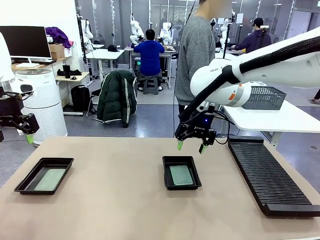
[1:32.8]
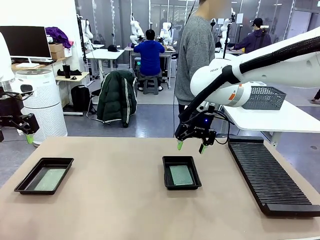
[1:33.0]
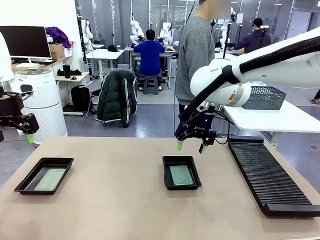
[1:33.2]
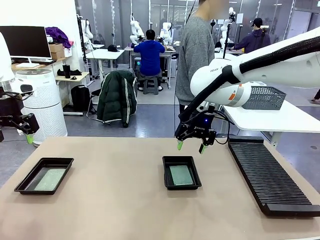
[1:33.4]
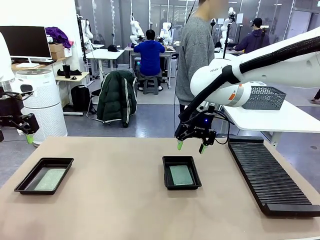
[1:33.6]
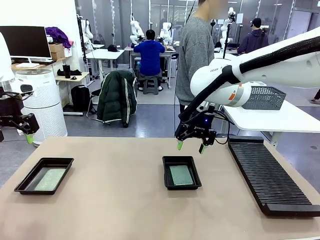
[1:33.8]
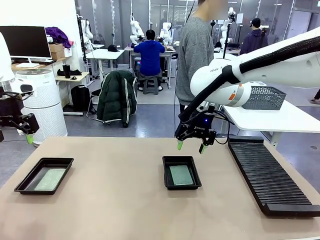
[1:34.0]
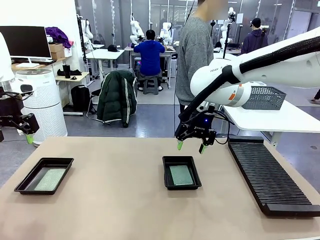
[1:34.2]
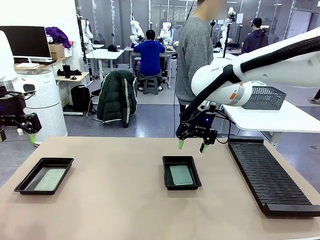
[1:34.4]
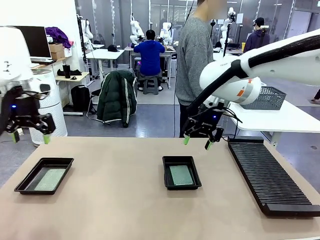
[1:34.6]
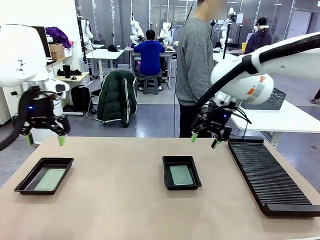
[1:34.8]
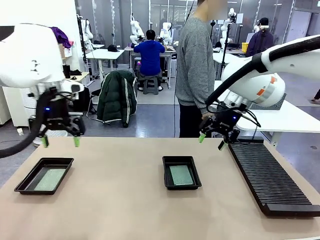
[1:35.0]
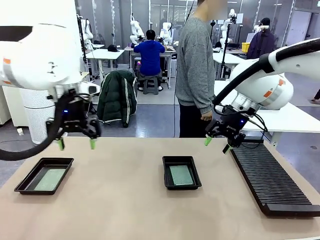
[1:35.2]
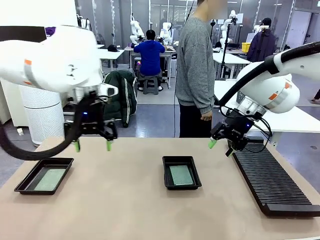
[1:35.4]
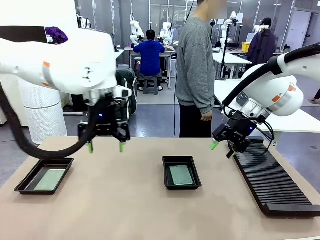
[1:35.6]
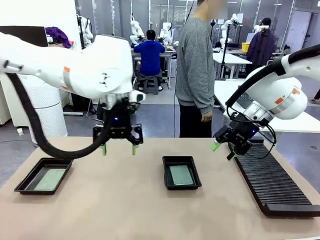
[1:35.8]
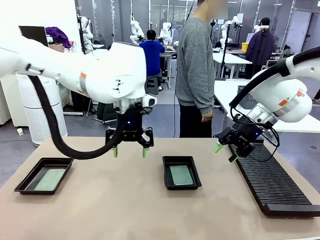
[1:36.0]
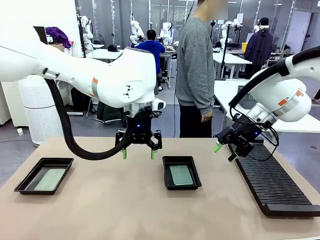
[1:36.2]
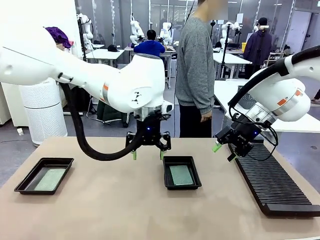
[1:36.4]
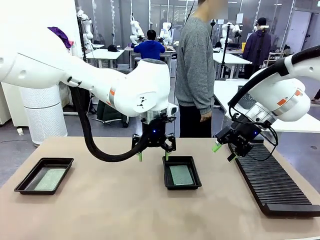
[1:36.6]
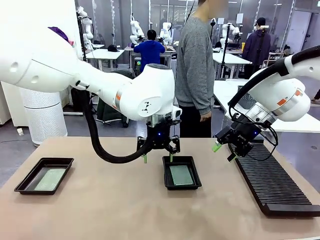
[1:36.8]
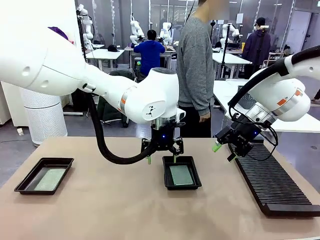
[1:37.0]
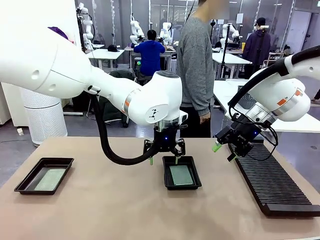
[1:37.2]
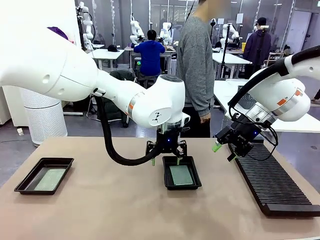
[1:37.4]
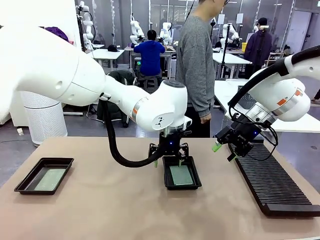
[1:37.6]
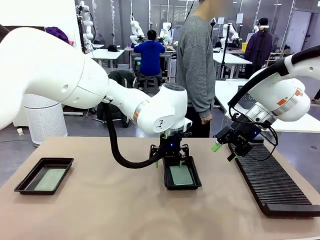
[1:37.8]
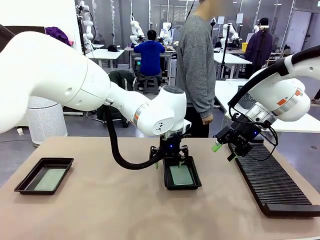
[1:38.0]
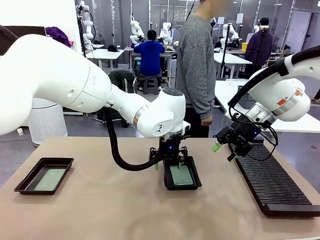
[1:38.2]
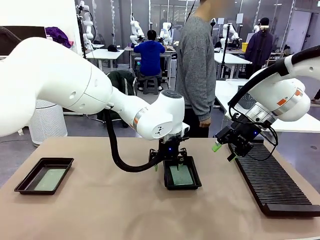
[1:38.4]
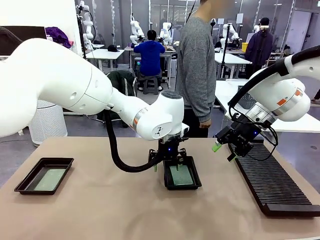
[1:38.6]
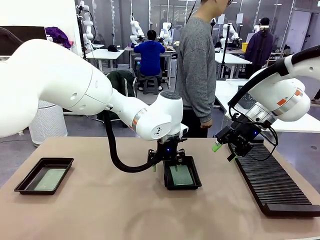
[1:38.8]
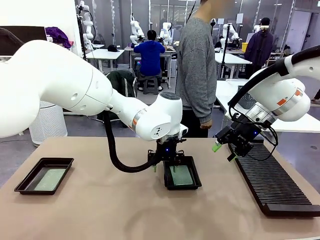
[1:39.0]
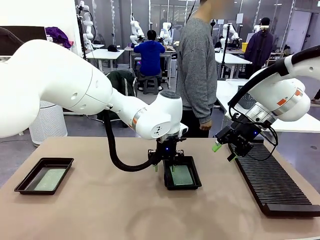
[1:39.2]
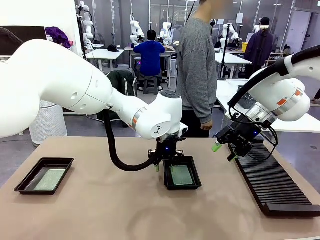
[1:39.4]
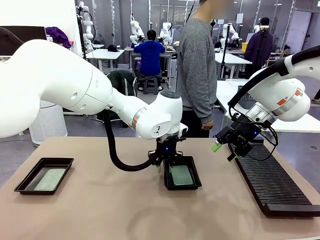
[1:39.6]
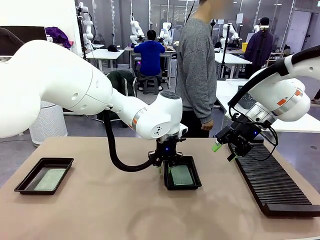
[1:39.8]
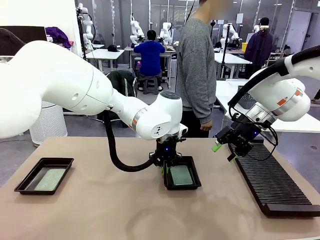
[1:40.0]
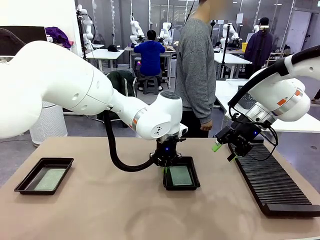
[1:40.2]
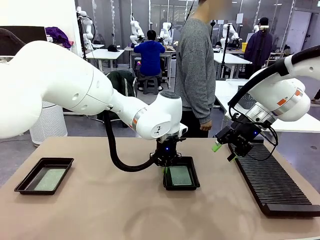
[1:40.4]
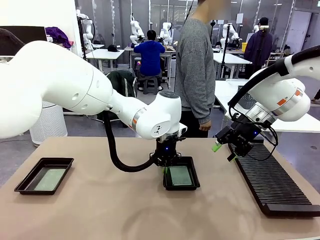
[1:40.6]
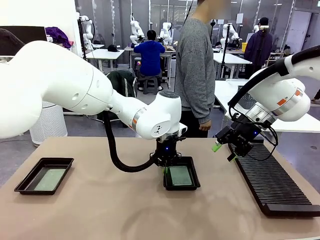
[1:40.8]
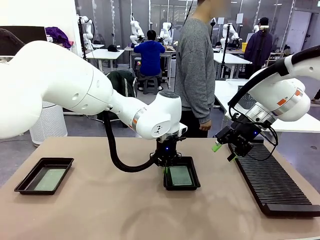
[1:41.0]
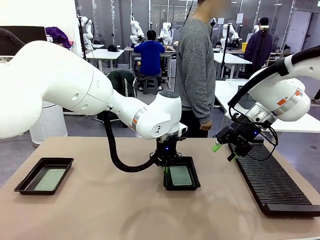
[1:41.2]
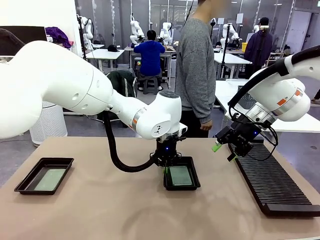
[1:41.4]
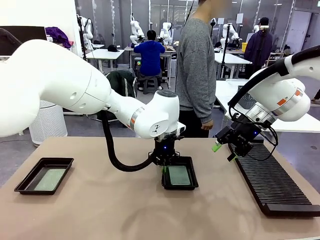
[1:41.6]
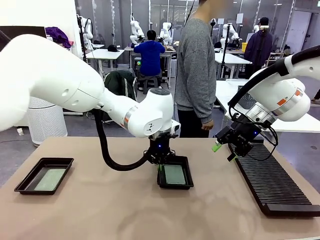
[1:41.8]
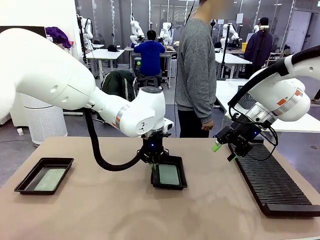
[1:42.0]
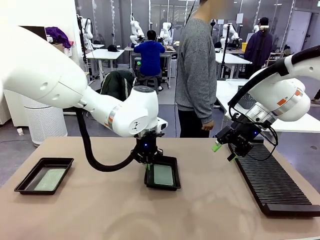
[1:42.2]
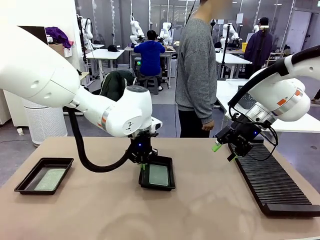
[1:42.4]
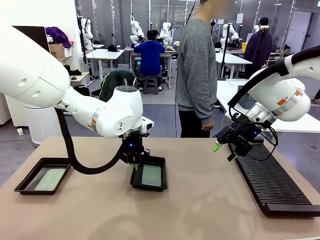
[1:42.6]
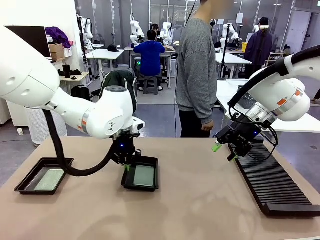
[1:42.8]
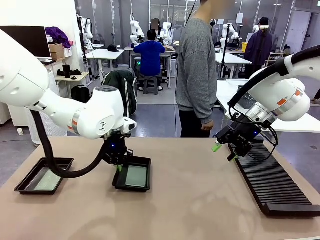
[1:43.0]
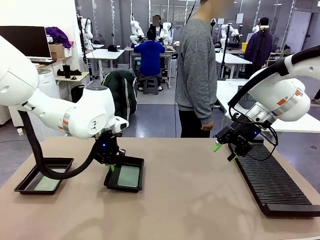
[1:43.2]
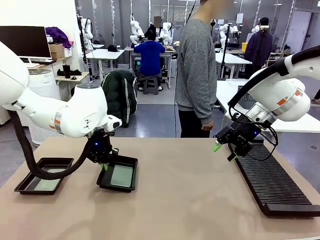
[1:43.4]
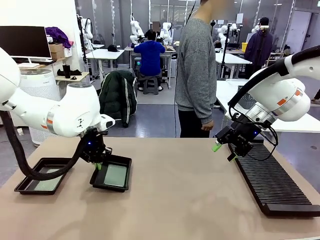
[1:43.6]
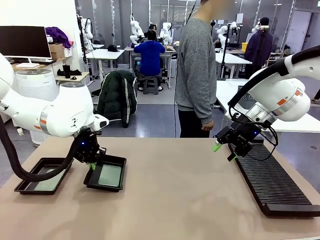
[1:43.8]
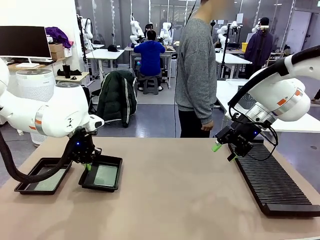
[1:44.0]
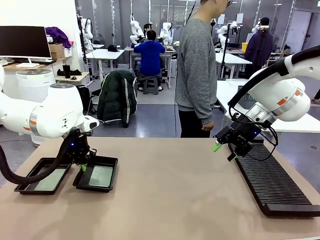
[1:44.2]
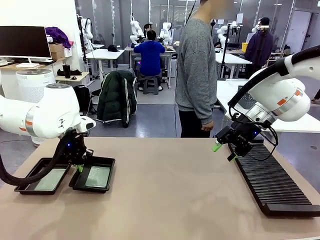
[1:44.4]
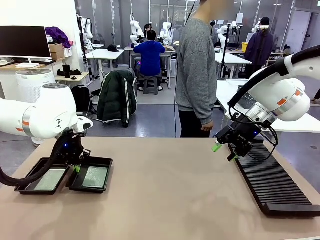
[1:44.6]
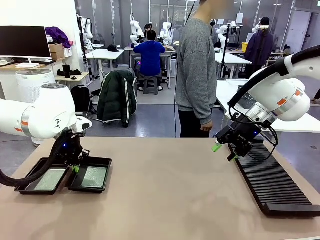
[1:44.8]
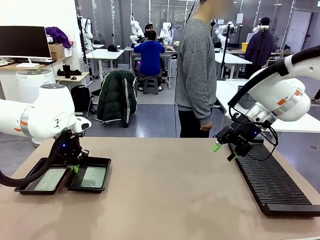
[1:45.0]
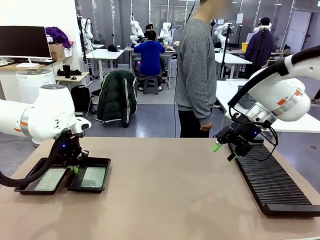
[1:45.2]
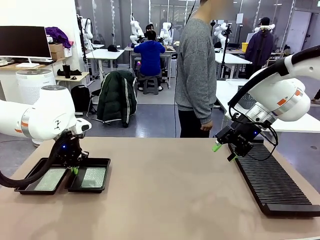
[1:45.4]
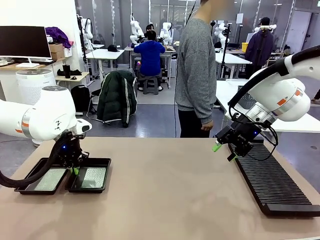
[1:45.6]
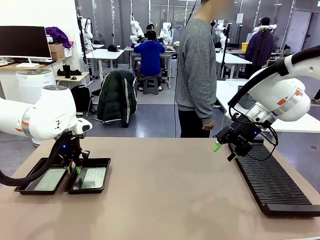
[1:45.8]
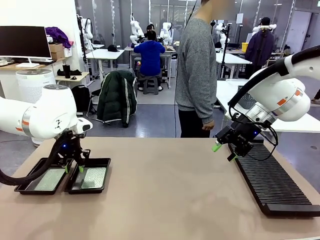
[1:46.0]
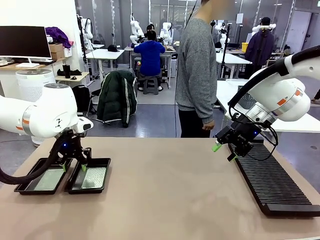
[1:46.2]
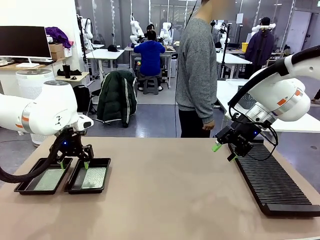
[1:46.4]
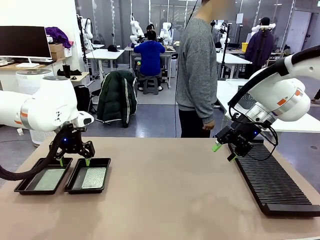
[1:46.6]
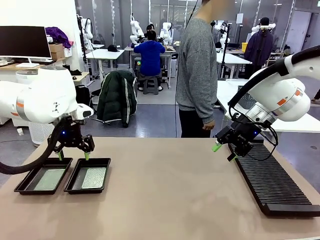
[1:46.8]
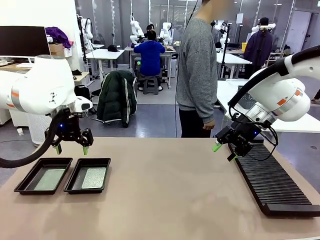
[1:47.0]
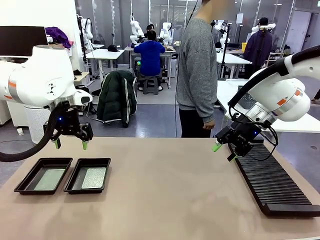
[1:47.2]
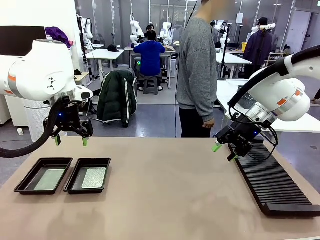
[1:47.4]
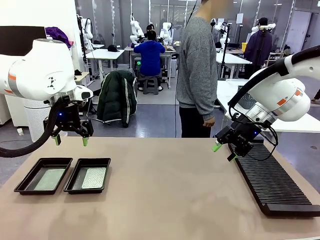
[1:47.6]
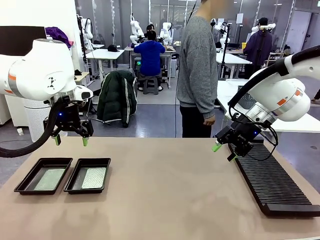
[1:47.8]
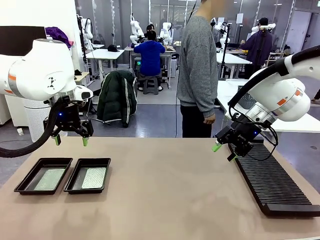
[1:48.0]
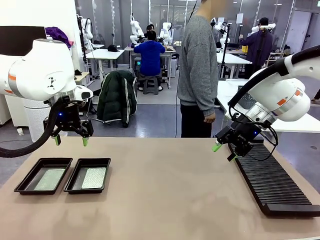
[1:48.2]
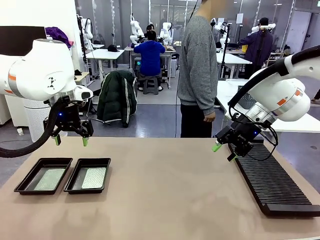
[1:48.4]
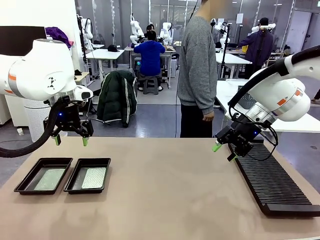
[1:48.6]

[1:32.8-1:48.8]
Task: Inspect and transfer BCBs to ESD trays.
Robot: Pick up the ESD tray and place it on the left side of the table.

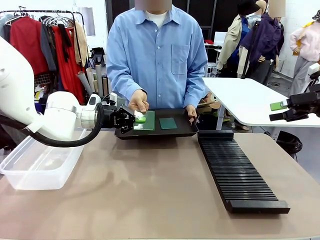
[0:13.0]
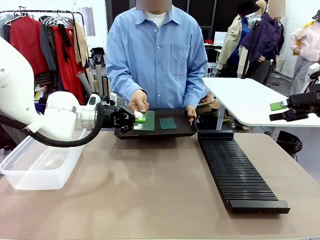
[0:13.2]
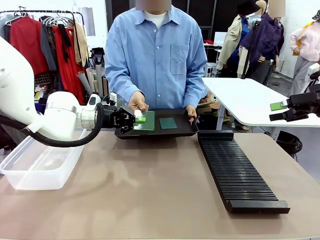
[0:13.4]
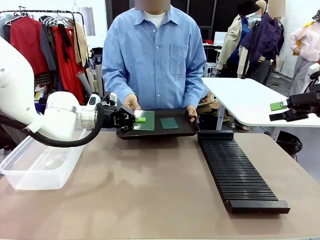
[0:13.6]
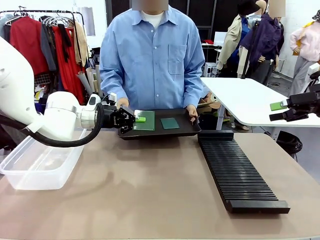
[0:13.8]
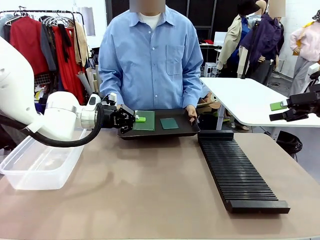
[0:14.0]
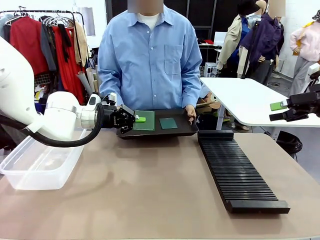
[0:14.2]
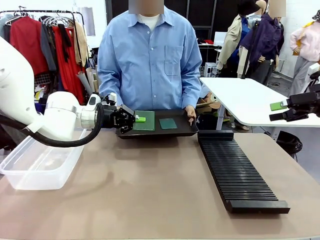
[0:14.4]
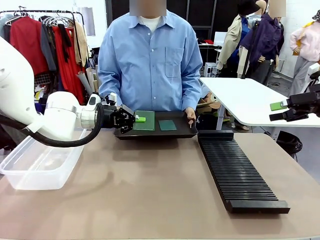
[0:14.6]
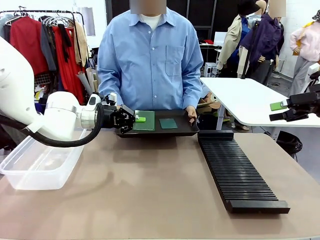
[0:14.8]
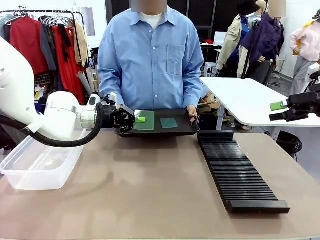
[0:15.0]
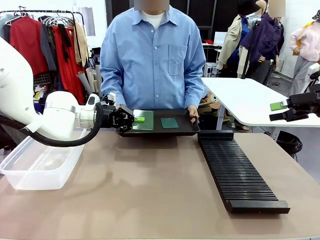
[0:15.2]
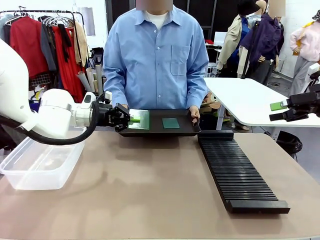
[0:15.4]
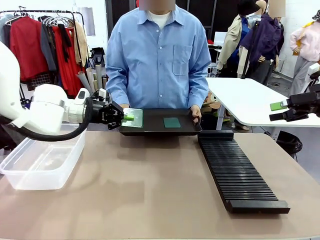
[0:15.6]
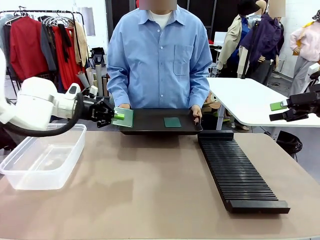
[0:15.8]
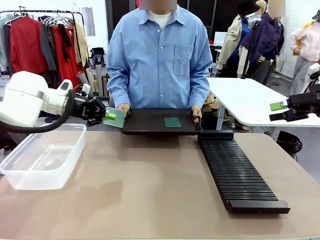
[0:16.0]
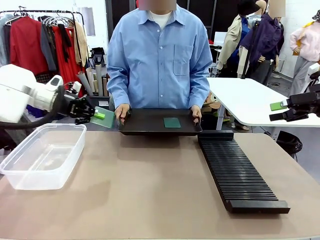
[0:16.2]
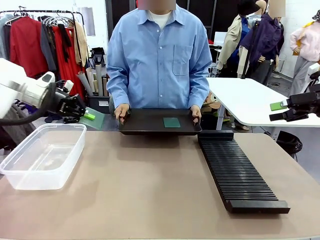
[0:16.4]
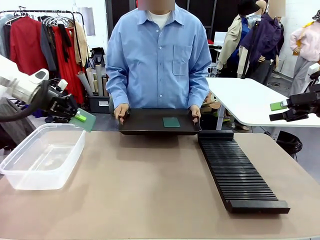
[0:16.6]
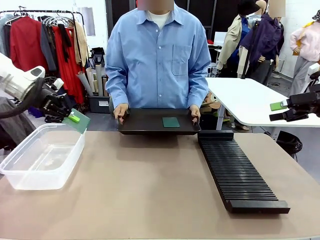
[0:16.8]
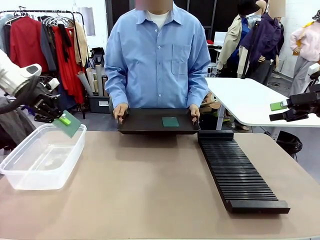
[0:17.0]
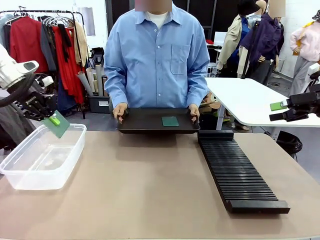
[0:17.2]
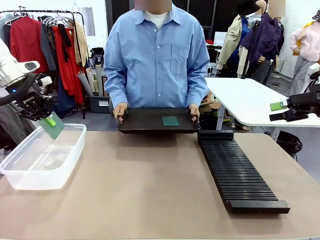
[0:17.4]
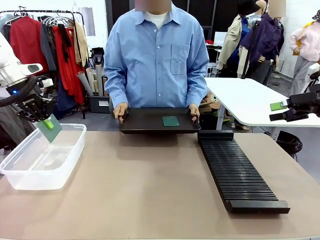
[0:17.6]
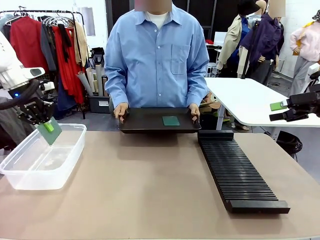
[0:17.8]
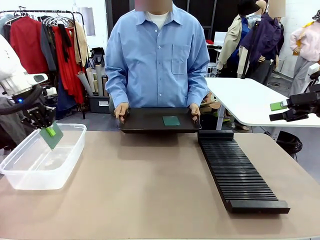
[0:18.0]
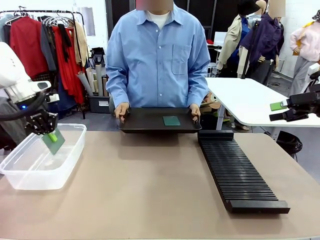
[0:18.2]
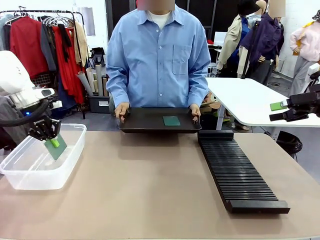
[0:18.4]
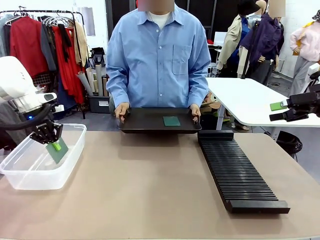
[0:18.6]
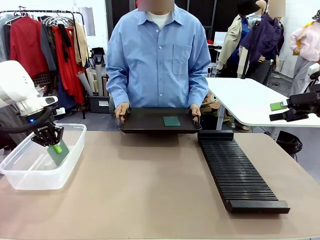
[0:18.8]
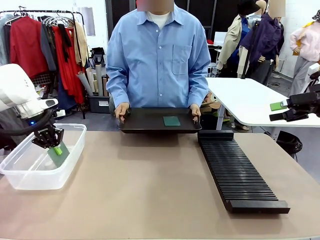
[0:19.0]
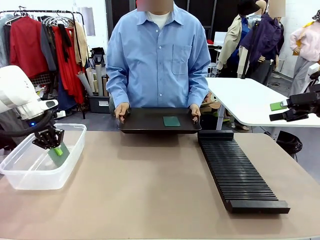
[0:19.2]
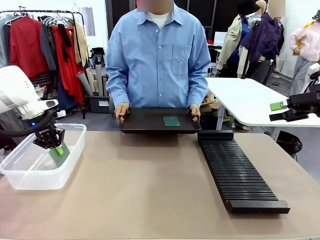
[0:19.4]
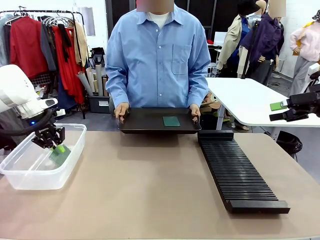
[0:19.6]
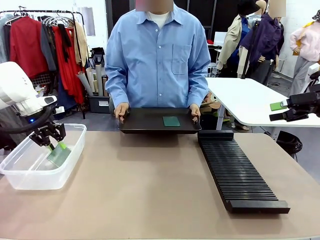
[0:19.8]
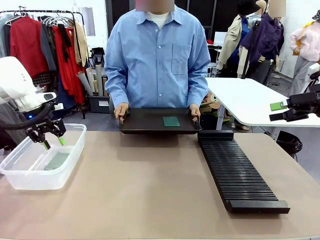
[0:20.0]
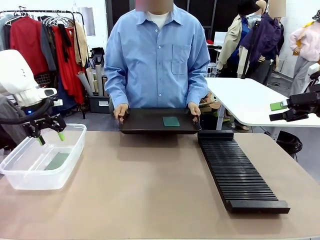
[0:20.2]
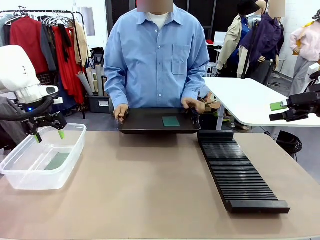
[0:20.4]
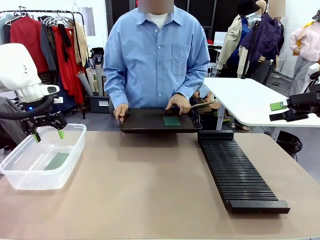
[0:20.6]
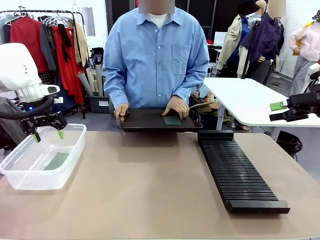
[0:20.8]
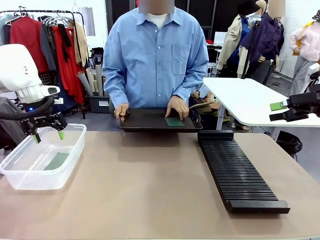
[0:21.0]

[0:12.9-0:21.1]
Task: Sort PCBs into racks and boxes based on the side picked up.
Robot: If the short side of the Blank PCB is picked up, insert it into the PCB Rack ; if the long side is picked up, place it in the Organizing box.
Person: Pick one PCB from the tray and present it to the robot.
